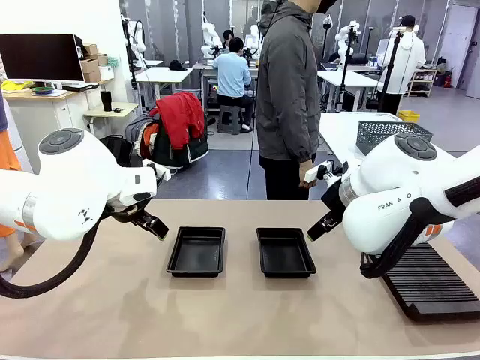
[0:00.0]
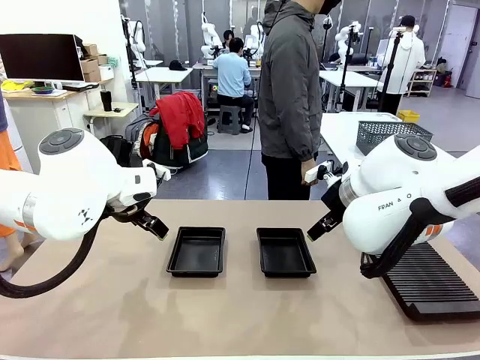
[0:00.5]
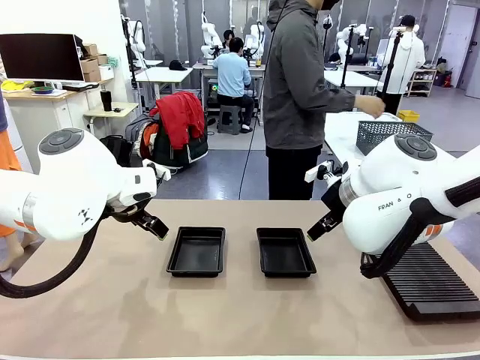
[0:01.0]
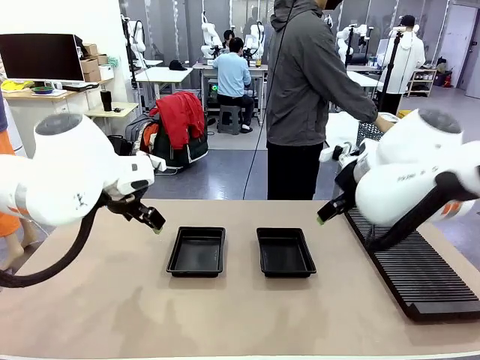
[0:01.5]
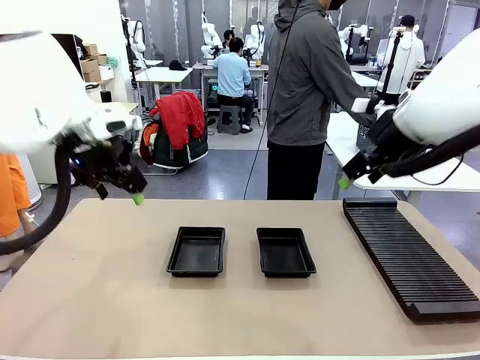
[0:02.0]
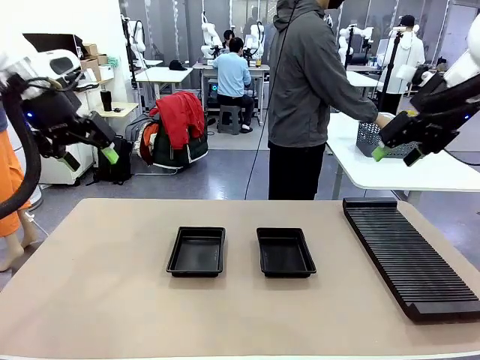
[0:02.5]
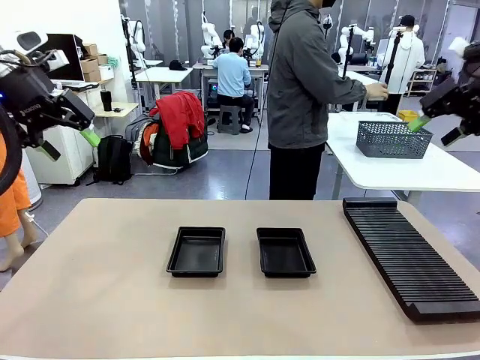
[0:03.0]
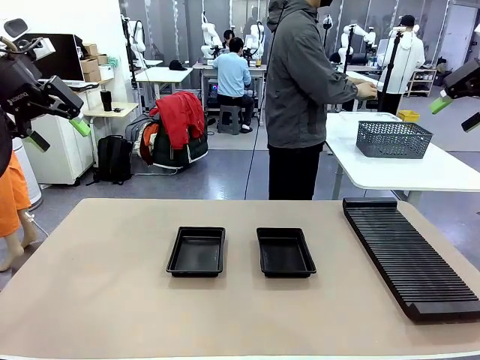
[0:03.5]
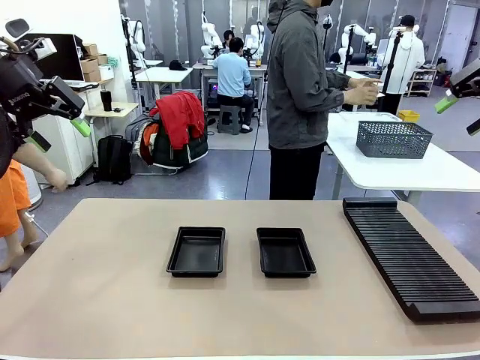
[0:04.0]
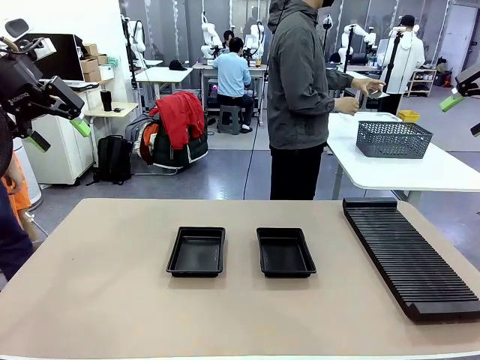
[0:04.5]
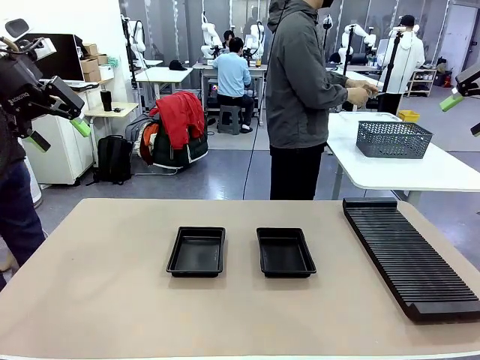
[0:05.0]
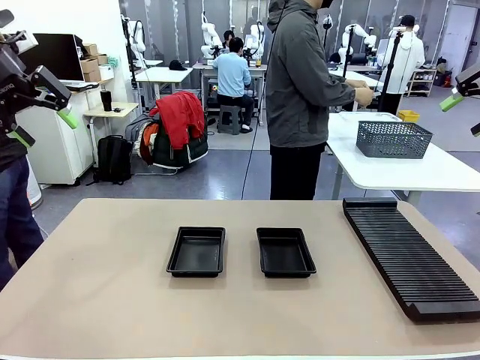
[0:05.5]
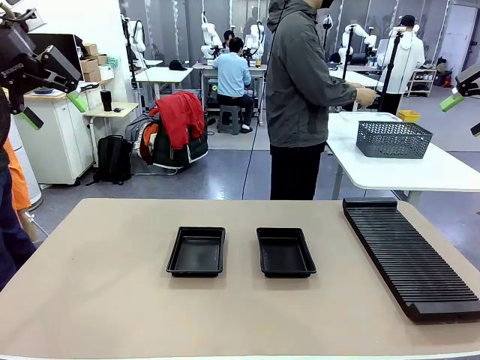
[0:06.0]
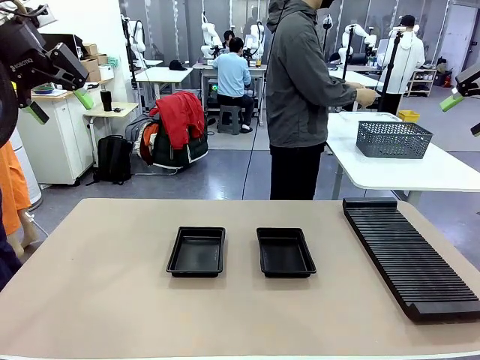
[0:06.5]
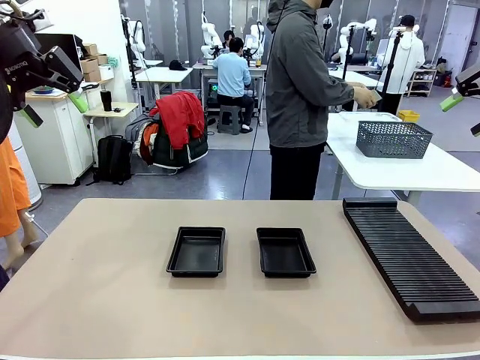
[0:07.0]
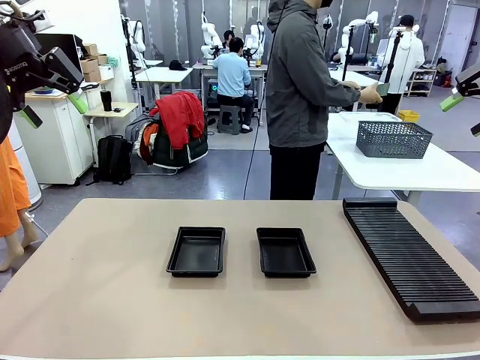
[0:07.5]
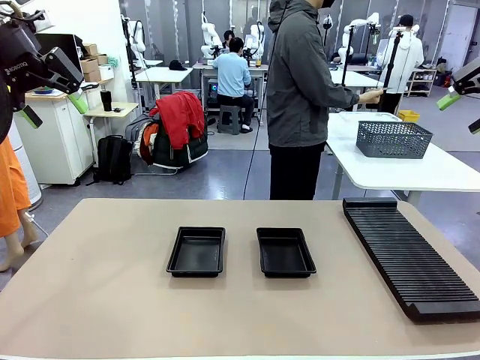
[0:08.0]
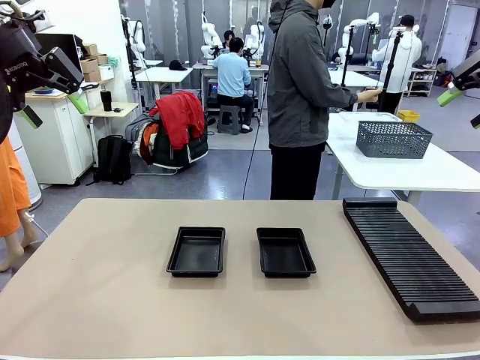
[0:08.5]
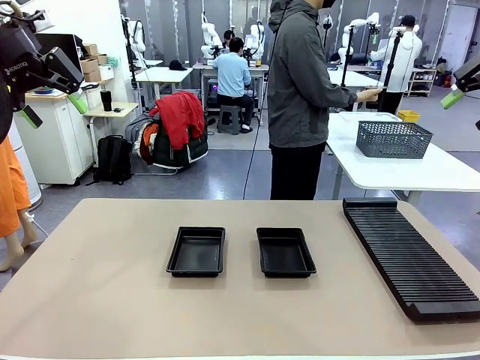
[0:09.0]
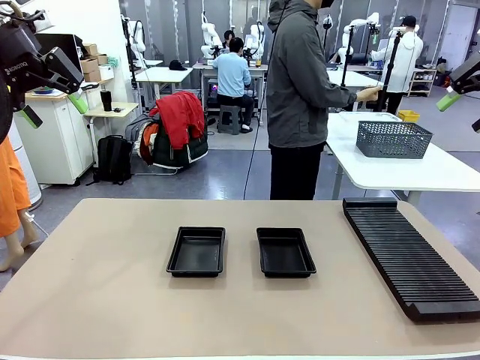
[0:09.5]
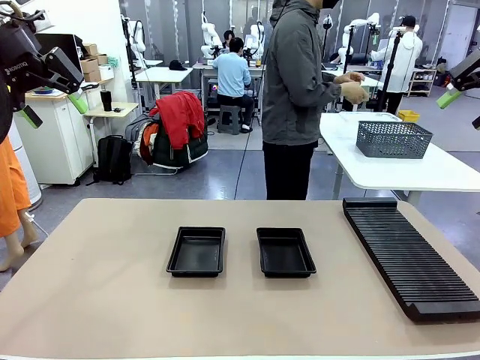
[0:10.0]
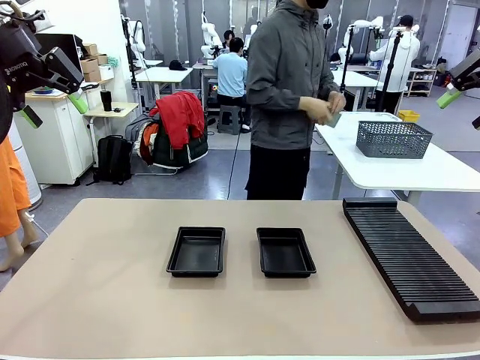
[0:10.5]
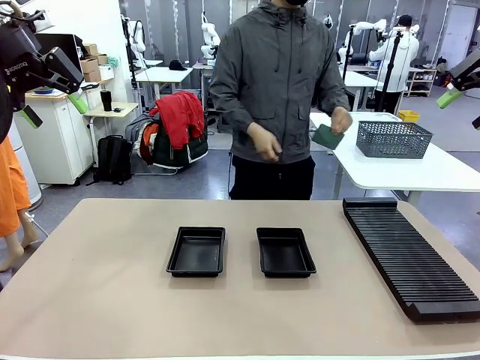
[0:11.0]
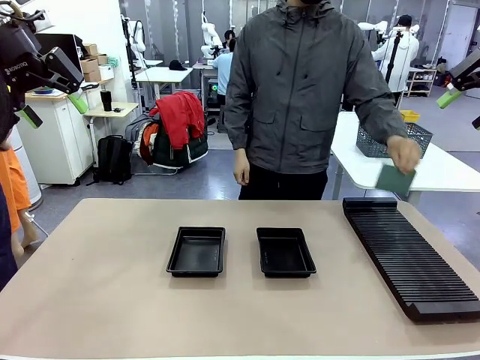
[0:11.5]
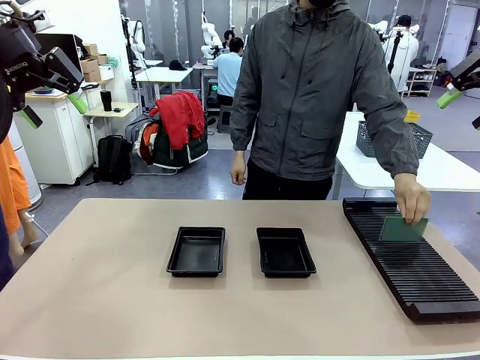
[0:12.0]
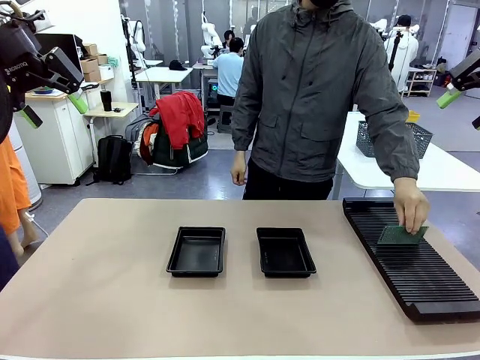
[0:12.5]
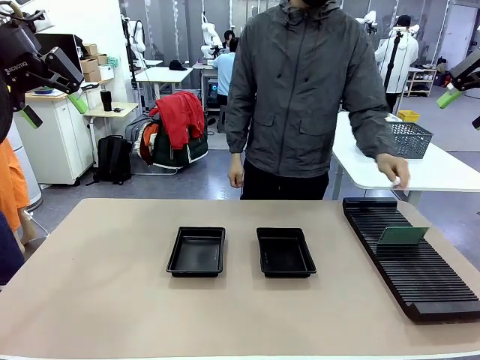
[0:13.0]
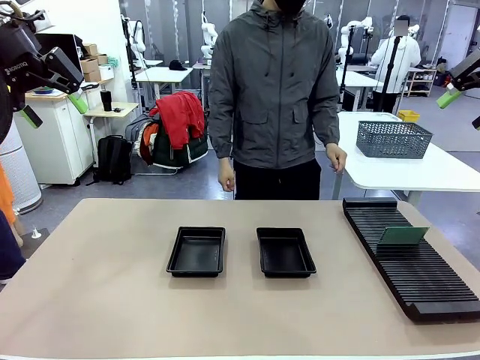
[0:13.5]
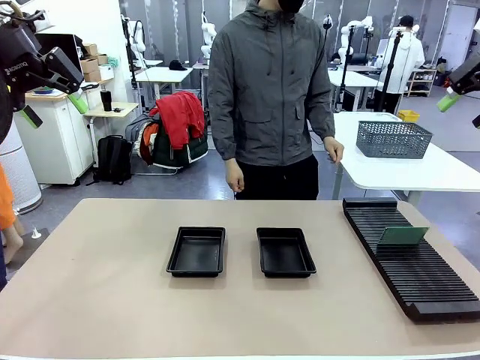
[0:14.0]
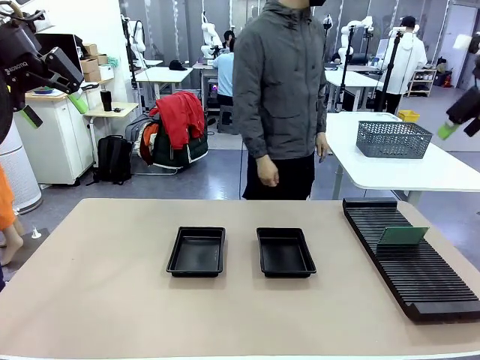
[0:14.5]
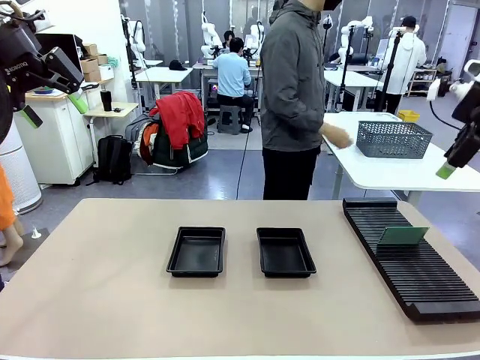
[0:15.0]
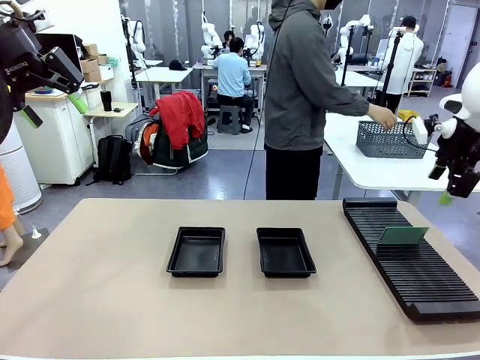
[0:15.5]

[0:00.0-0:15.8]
Task: Inspect and transfer BCBs to ESD trays.
Robot: Pick up the Blank PCB from the PCB Rack and place it in the left ESD tray.
